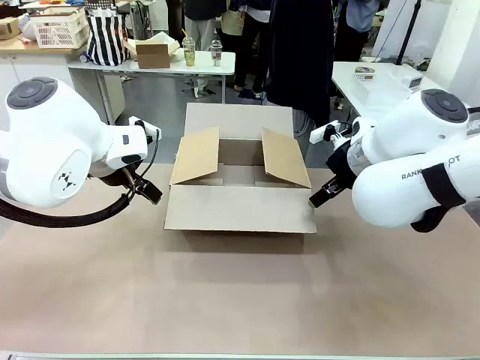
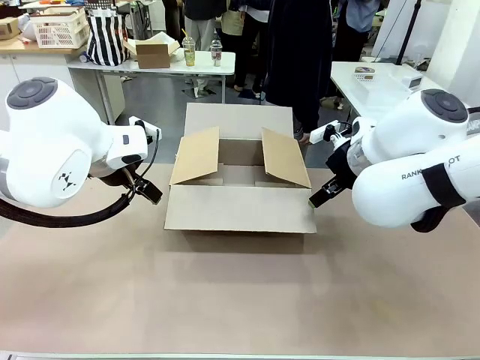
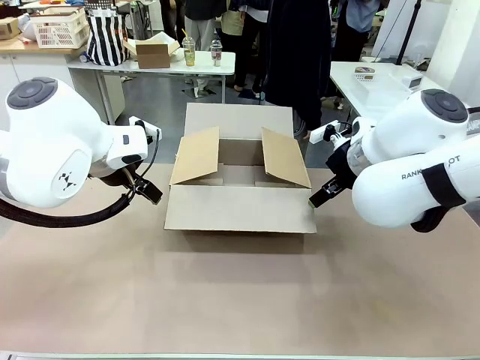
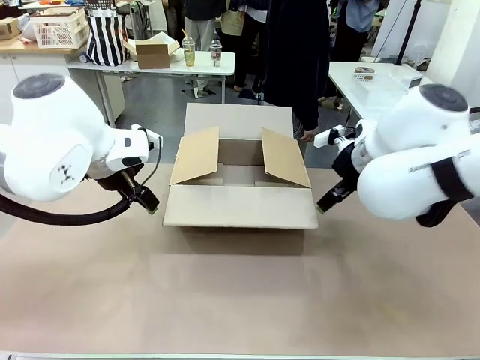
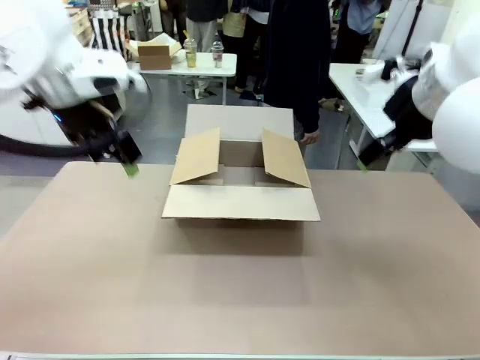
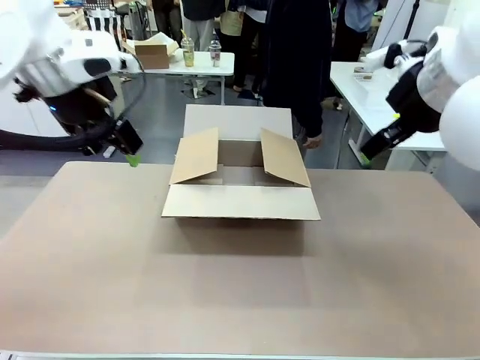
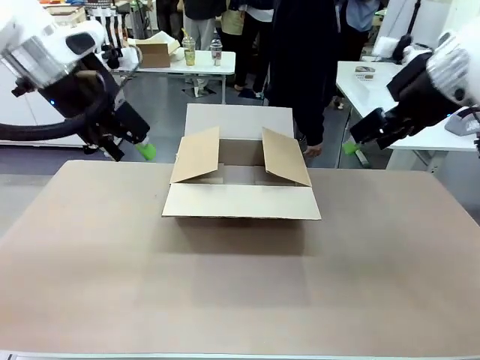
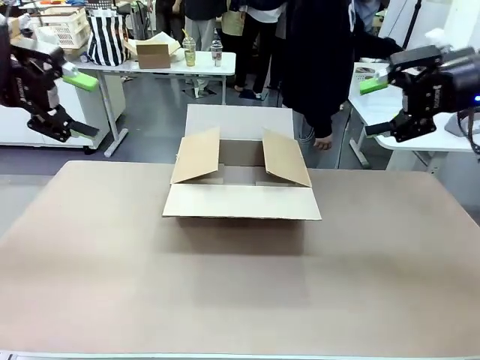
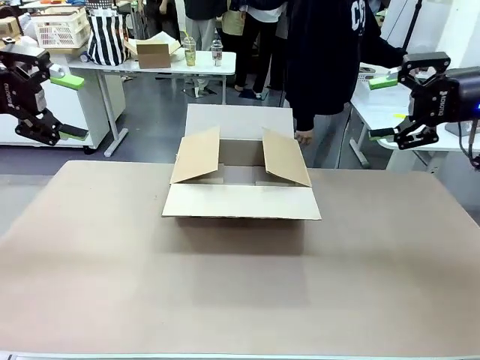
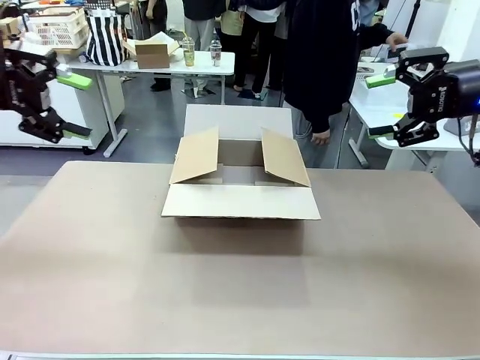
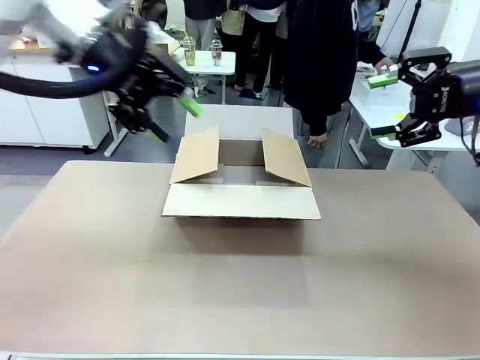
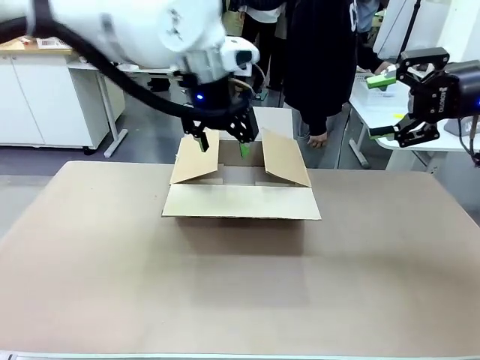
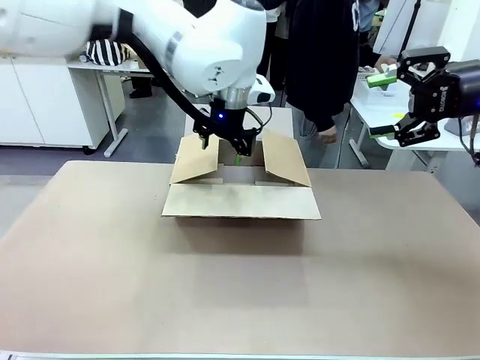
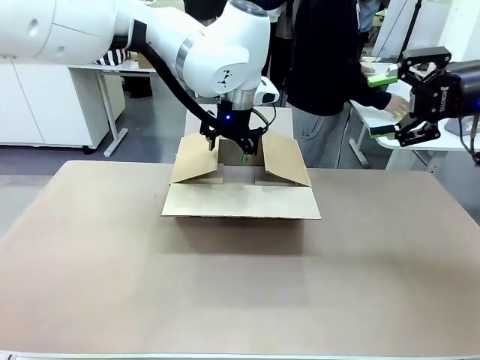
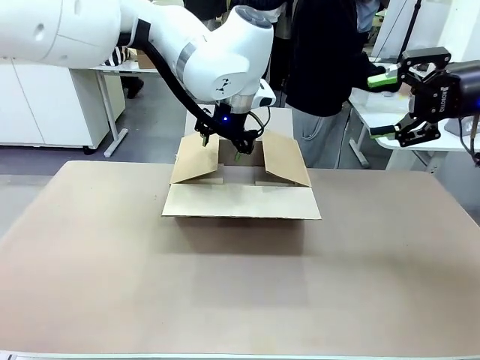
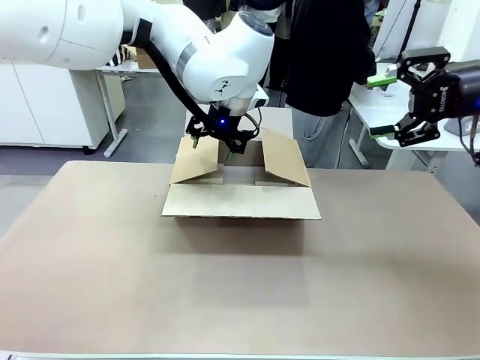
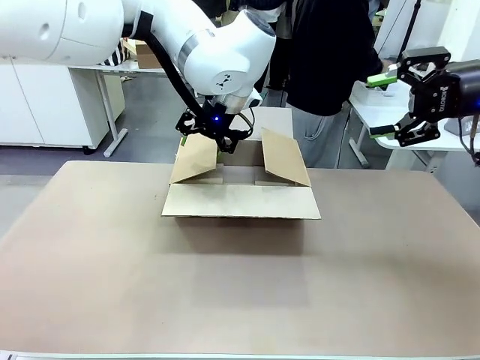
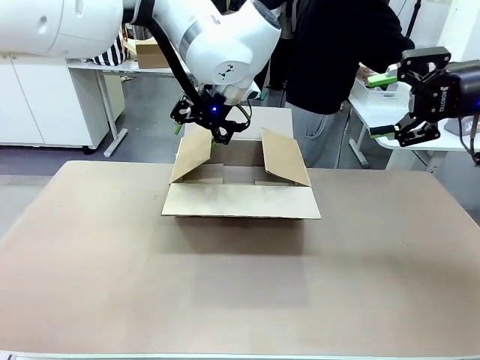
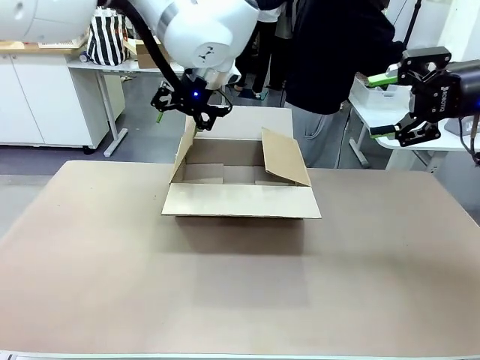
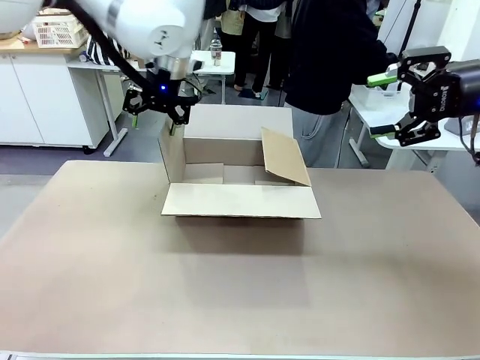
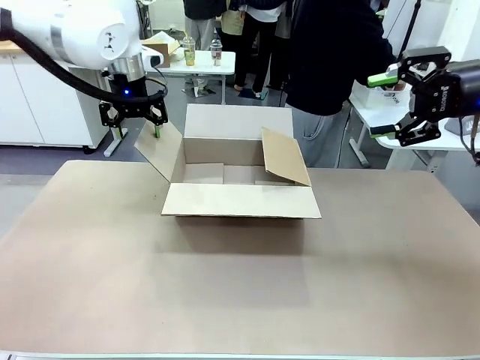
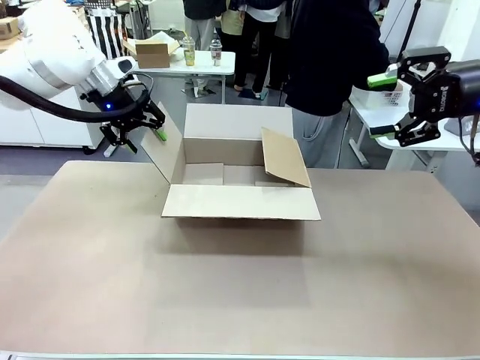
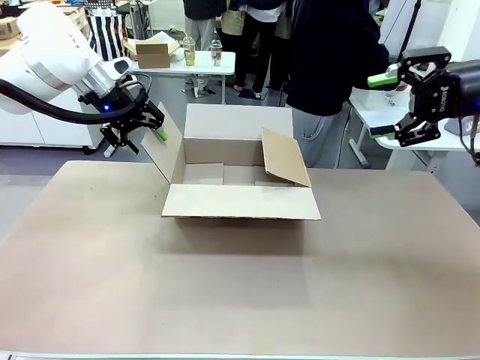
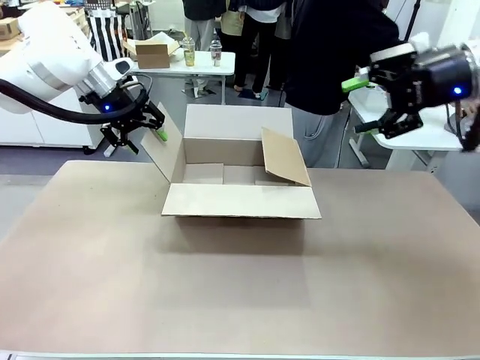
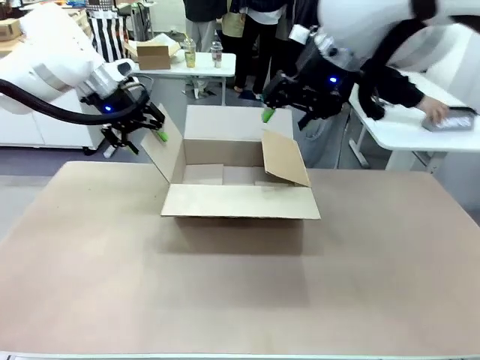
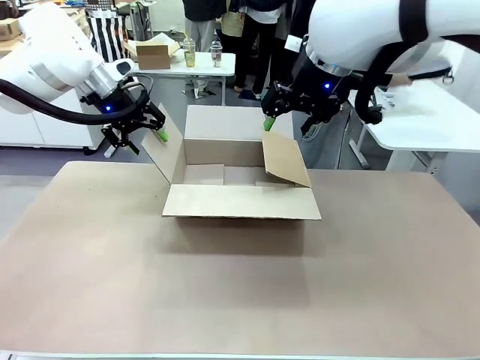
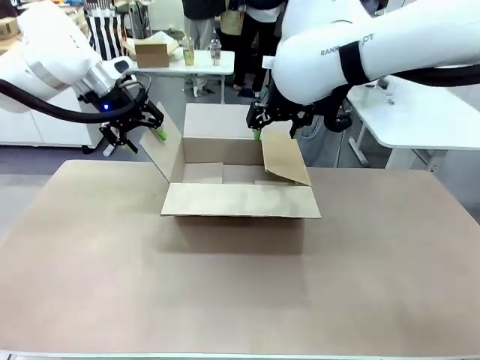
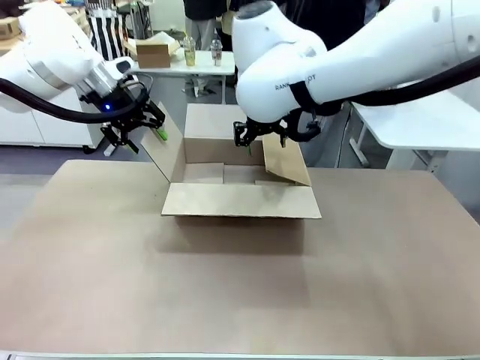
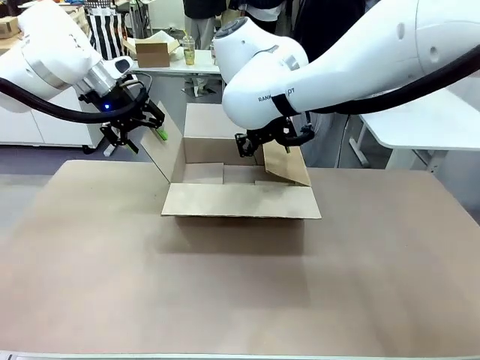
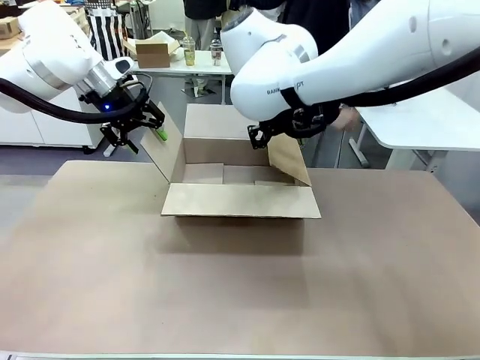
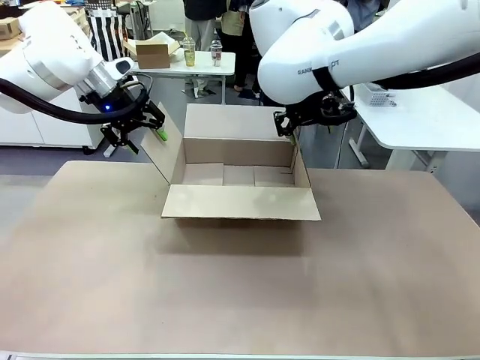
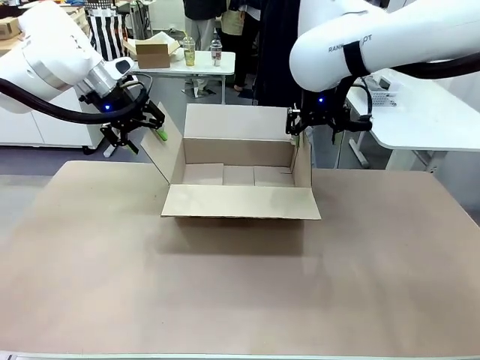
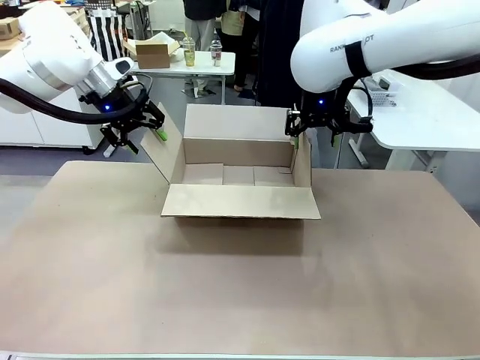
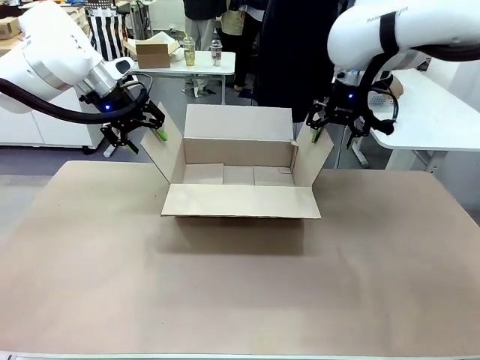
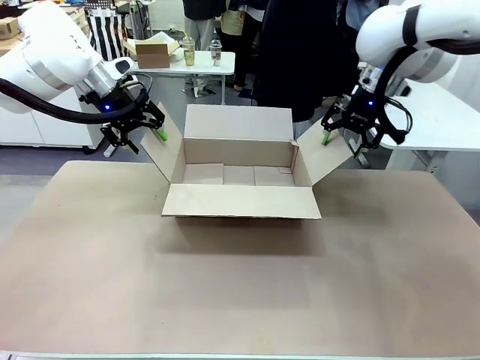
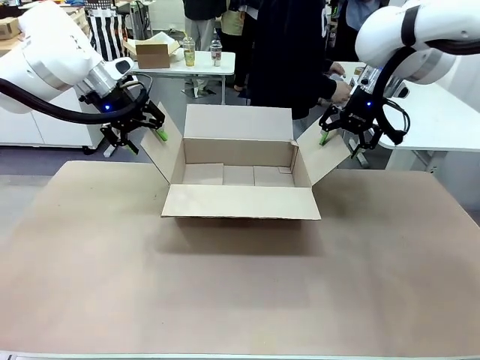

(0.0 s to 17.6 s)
Task: Pack the gift set into the box.
Robot: Place both hands on the side flaps of the Package Box and spread them outward.
Person: The human places all items except the paper tape into the organizing basket.

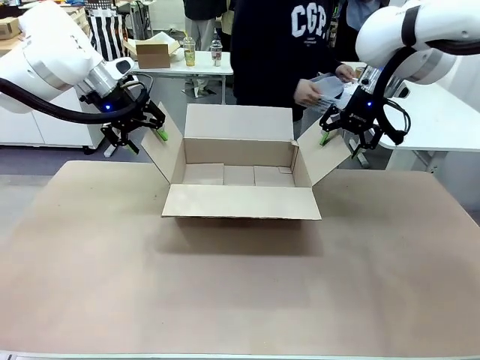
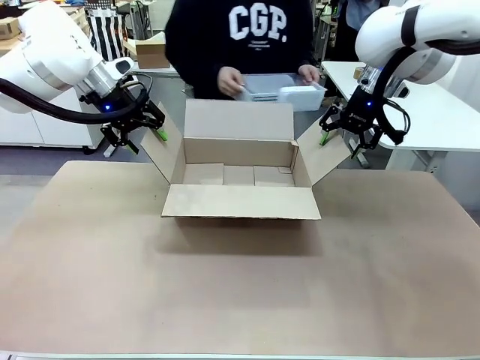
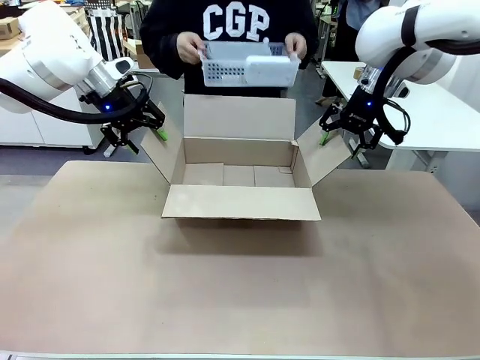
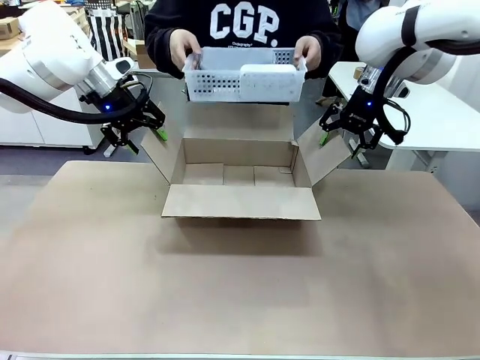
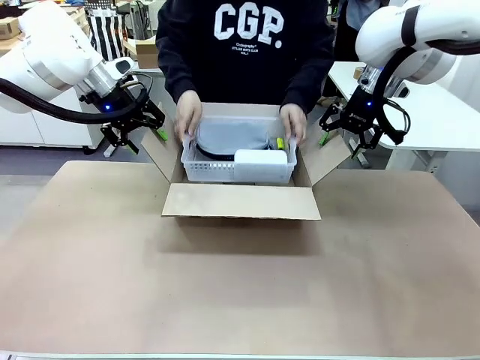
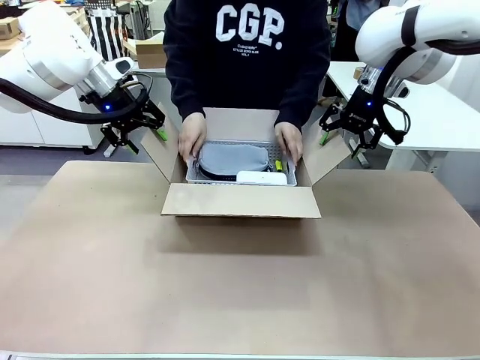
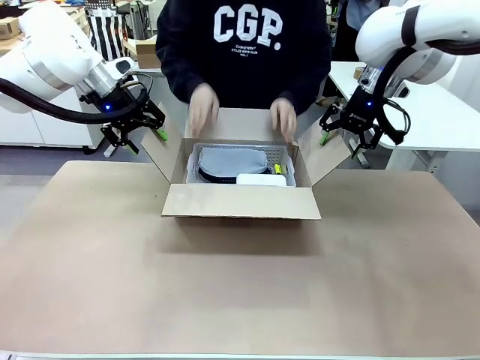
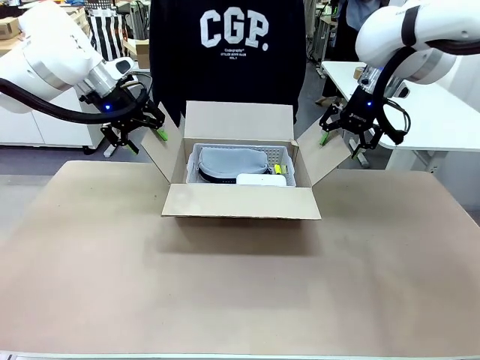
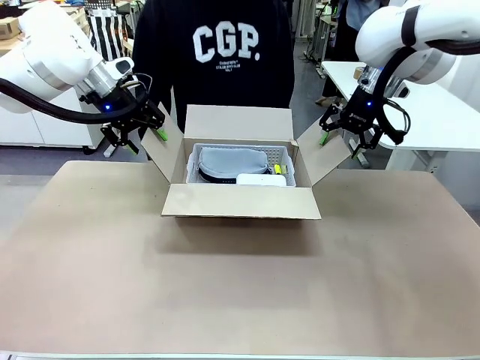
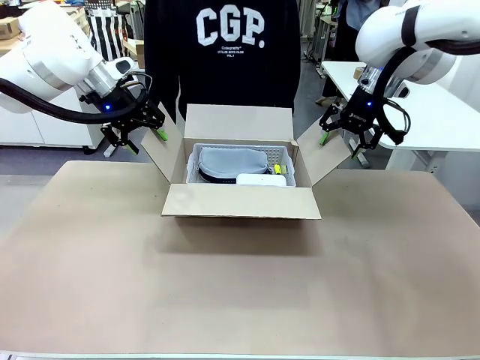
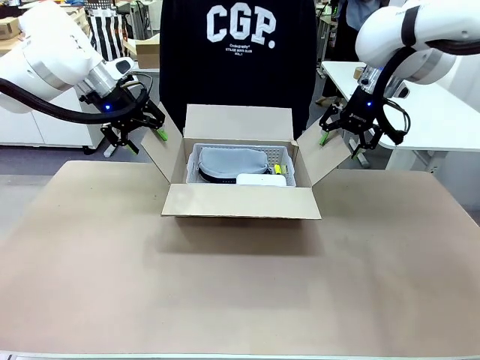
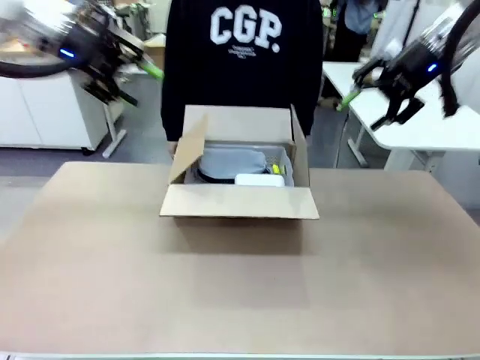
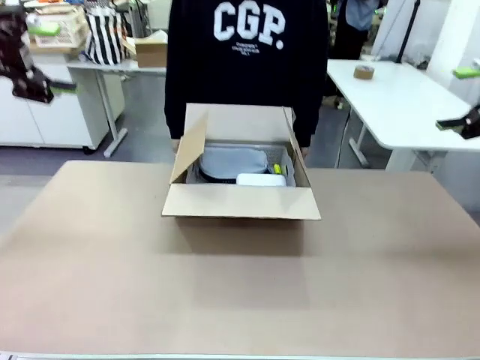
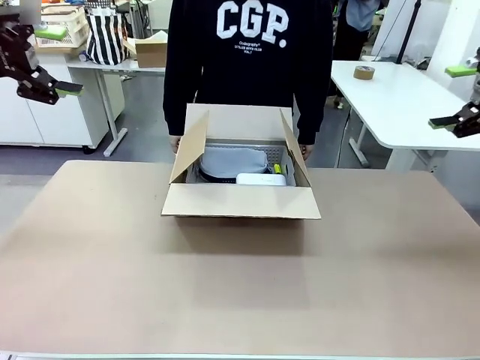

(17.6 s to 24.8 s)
Robot: Lift both hands away from the flaps of the Package Box.
Person: The human picks up the organizing basket and places the organizing basket into the package box on the robot table.
